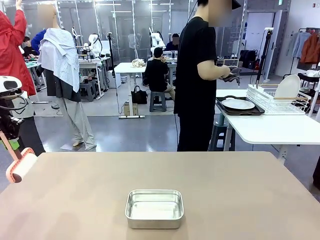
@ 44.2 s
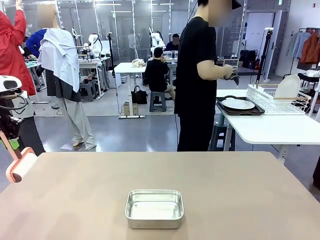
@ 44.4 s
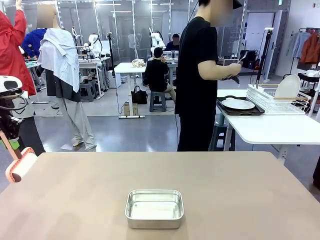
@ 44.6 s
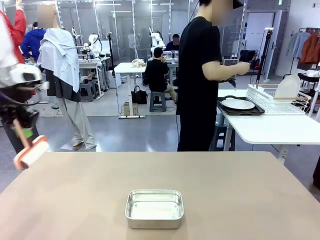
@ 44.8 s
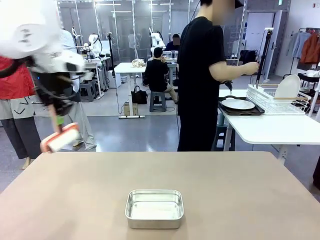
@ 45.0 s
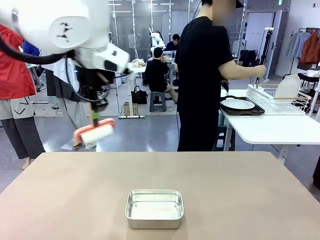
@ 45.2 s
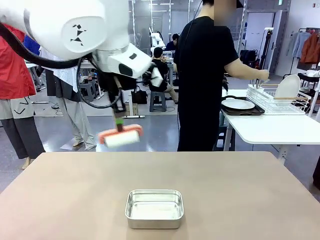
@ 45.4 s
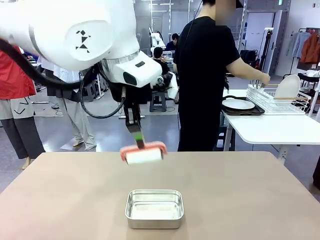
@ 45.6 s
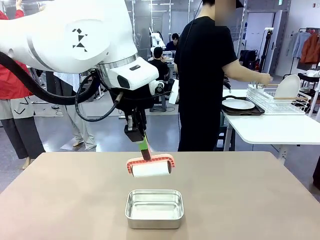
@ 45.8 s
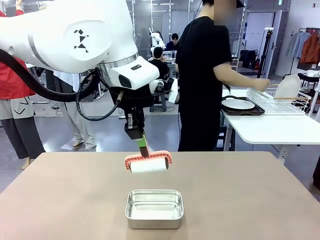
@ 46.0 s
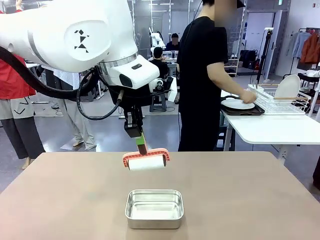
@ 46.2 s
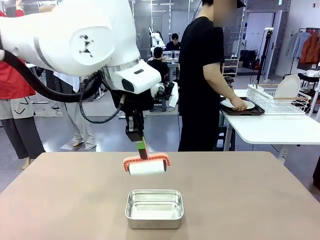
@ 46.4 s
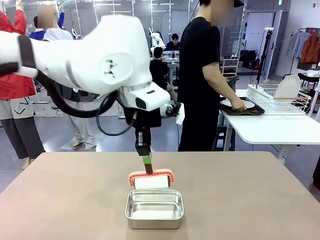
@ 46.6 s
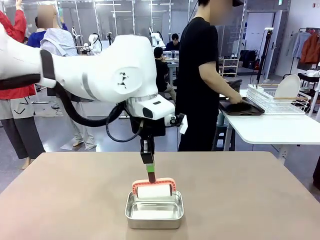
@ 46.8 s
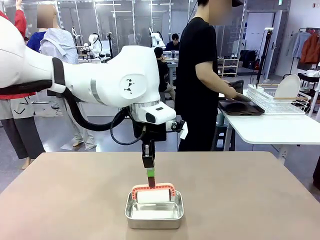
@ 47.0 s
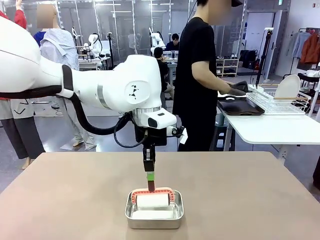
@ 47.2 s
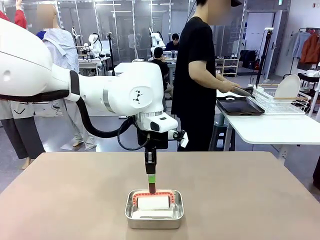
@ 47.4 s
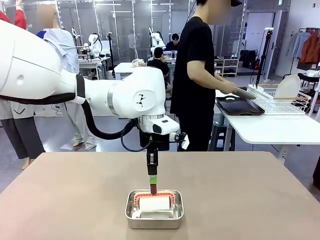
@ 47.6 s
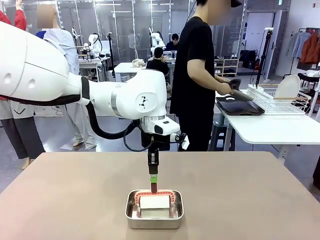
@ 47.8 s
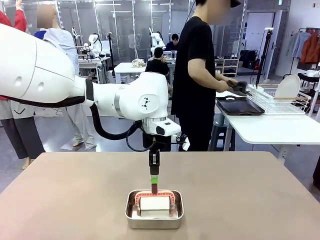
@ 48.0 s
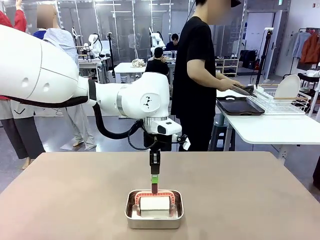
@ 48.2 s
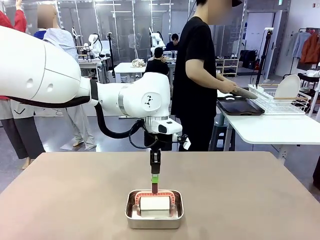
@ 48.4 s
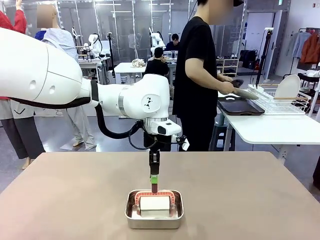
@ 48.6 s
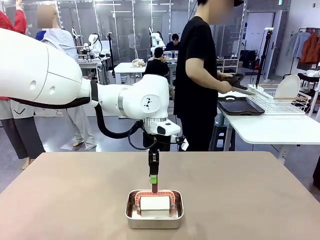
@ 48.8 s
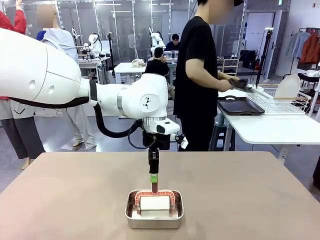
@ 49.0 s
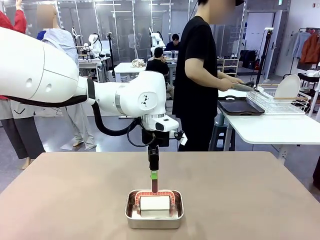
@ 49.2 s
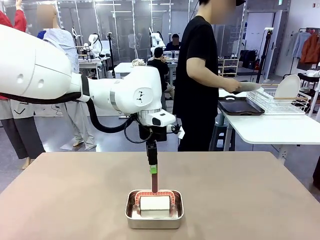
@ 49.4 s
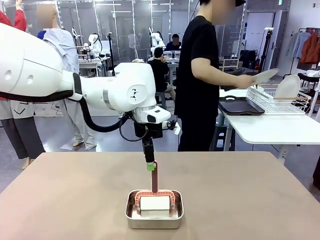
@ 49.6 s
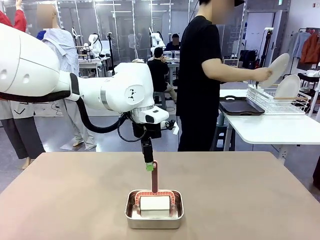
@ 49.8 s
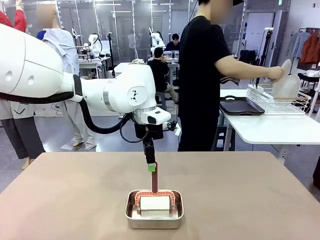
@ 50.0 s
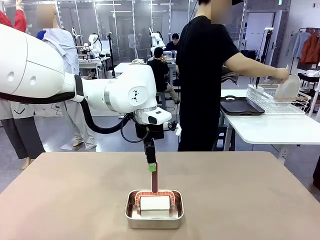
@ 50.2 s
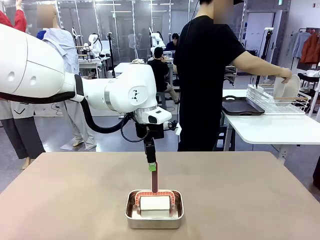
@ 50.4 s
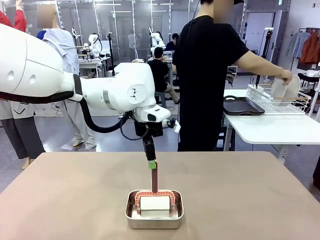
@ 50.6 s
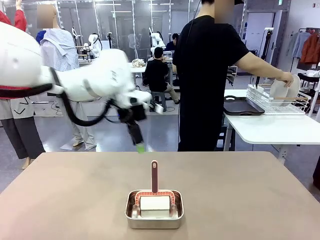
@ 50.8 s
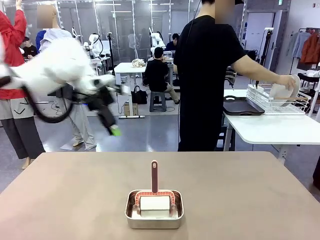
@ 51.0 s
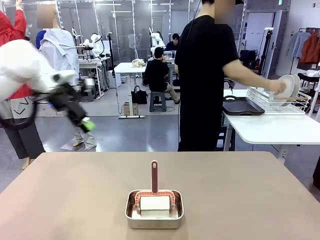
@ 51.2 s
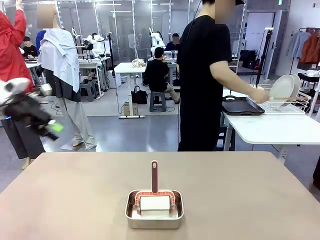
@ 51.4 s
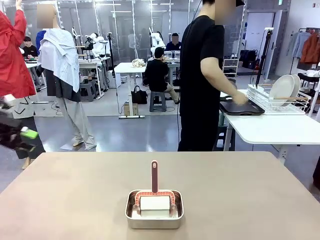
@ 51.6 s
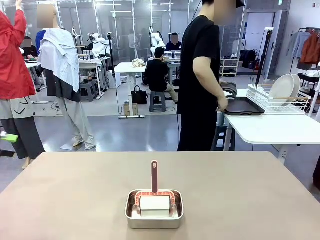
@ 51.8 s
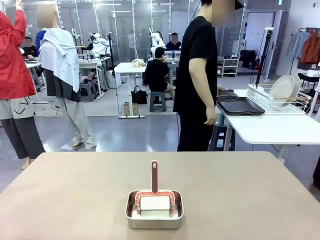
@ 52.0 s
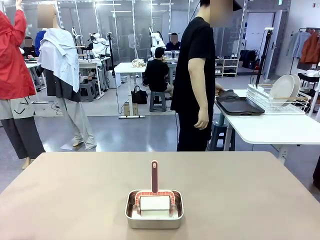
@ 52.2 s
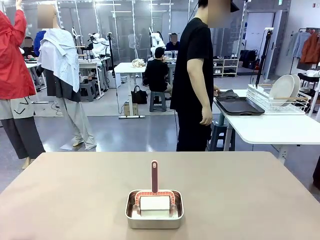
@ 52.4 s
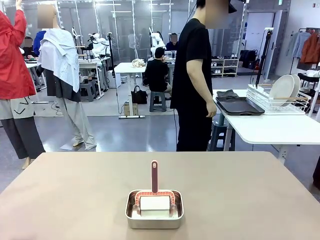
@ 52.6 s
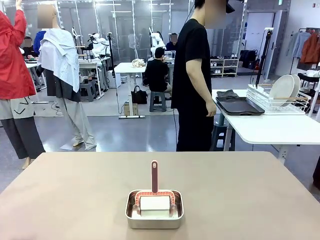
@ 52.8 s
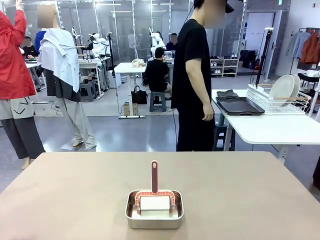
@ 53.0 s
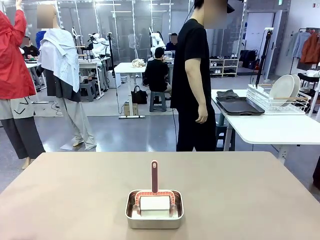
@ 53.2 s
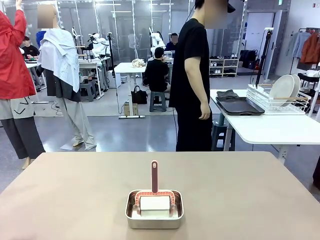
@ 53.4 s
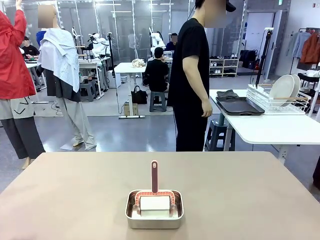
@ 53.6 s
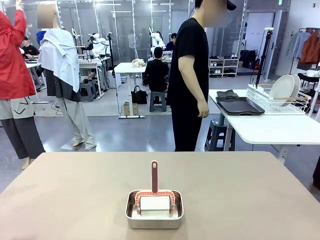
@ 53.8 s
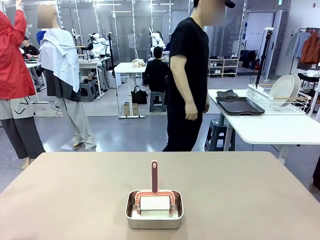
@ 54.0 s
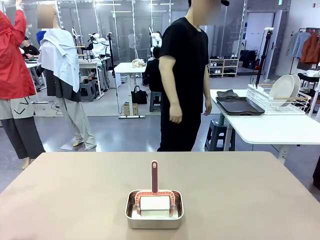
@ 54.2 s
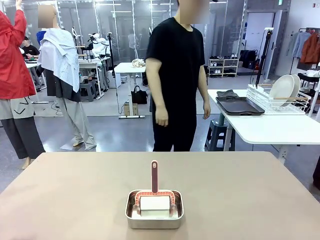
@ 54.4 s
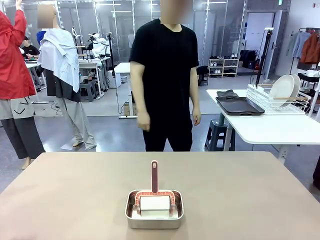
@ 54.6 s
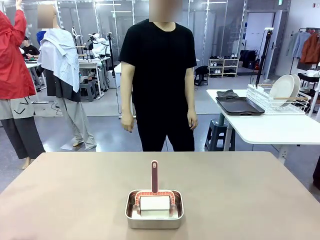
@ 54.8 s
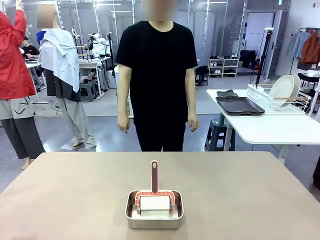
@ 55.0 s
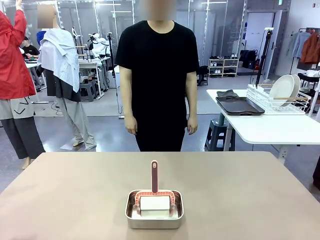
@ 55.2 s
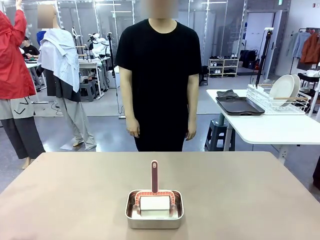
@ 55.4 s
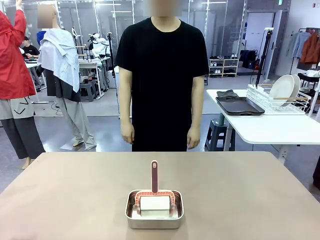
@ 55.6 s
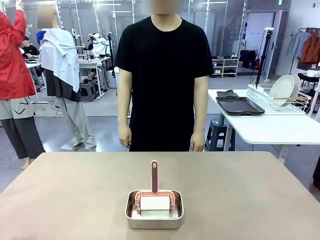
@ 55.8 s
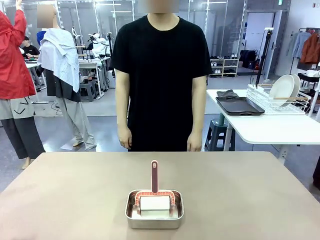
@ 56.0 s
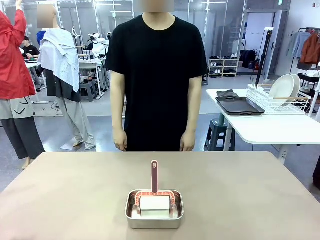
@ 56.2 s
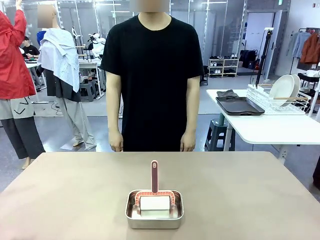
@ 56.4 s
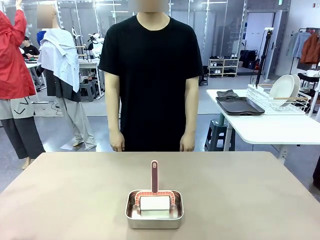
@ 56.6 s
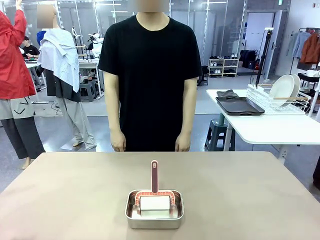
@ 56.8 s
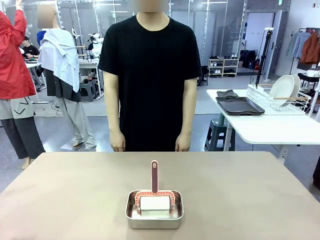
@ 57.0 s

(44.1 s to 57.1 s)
Robot: Place the Lint Roller back on top of the Airtight Container.
Person: Use the Towel with hook to wipe the Plastic Matte Plate , Fork , and Knife and place into the Dish drying rack.

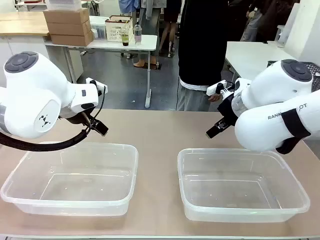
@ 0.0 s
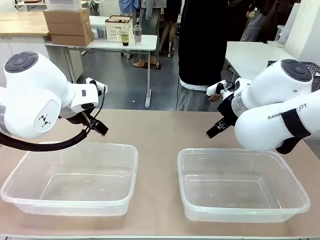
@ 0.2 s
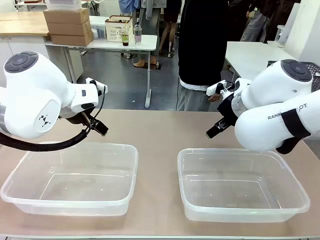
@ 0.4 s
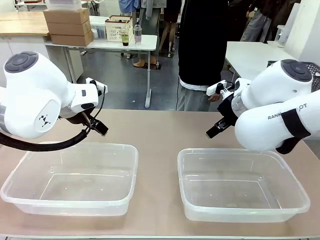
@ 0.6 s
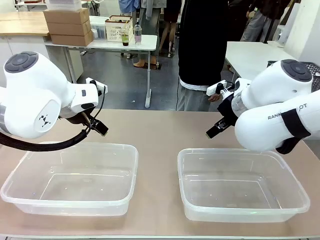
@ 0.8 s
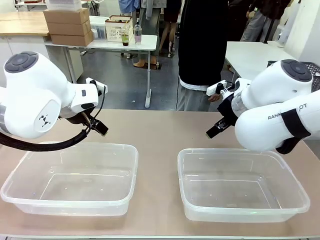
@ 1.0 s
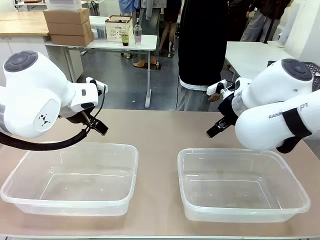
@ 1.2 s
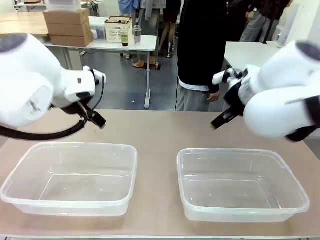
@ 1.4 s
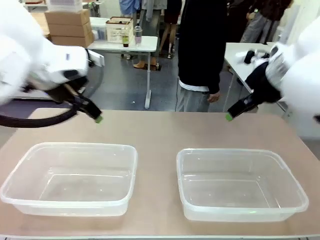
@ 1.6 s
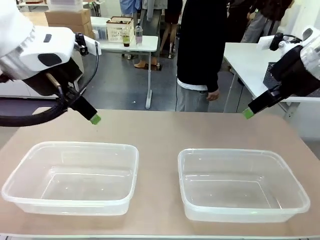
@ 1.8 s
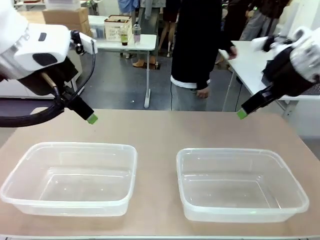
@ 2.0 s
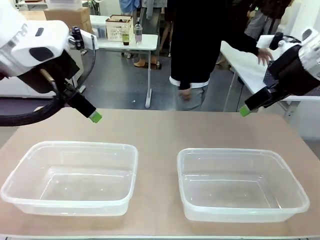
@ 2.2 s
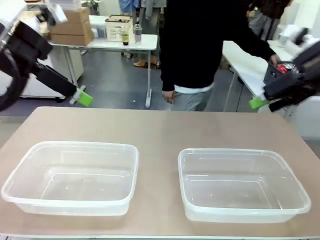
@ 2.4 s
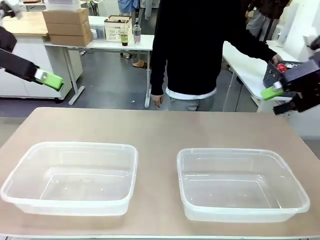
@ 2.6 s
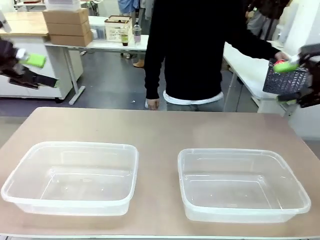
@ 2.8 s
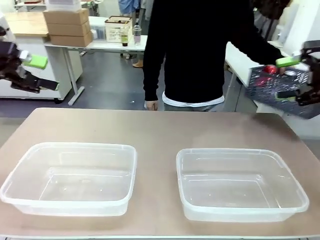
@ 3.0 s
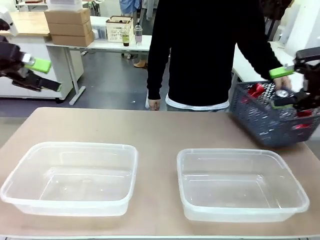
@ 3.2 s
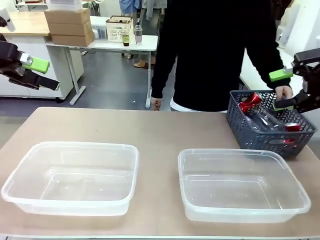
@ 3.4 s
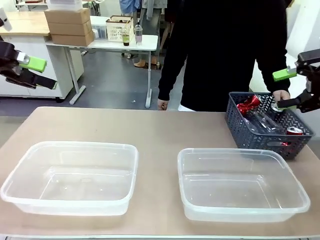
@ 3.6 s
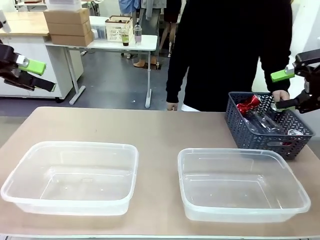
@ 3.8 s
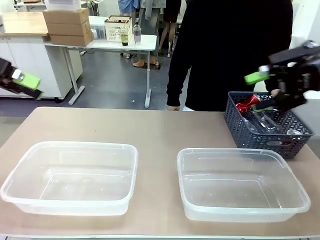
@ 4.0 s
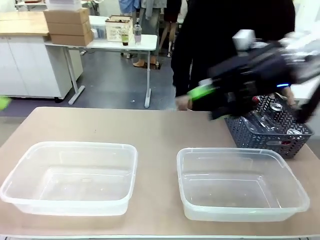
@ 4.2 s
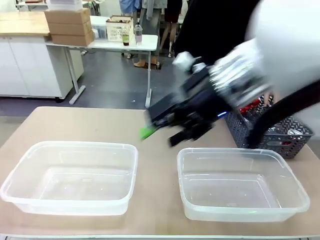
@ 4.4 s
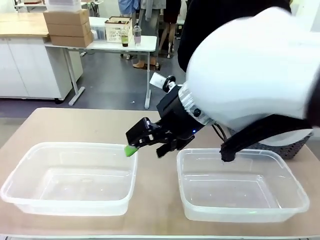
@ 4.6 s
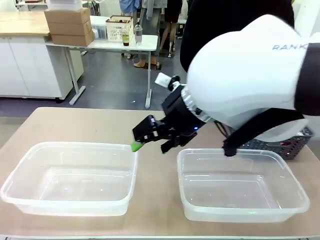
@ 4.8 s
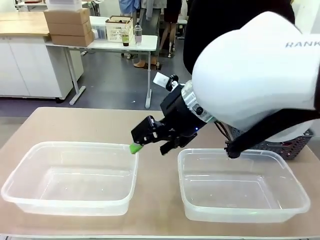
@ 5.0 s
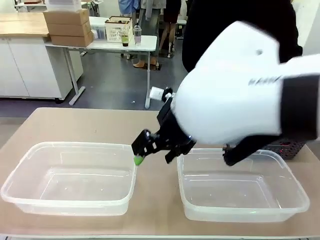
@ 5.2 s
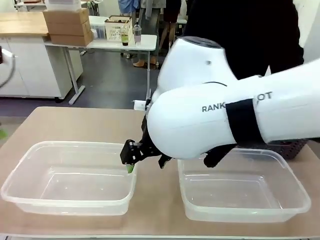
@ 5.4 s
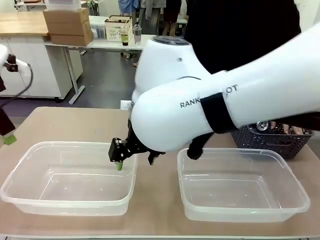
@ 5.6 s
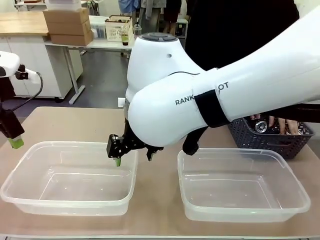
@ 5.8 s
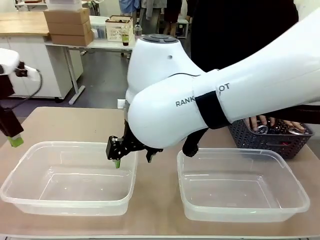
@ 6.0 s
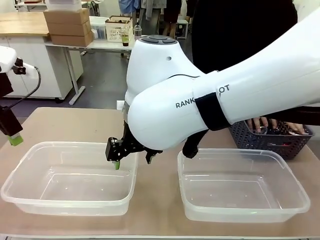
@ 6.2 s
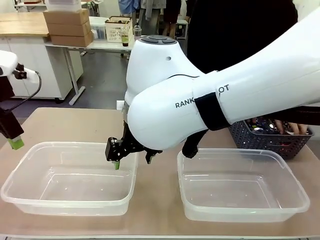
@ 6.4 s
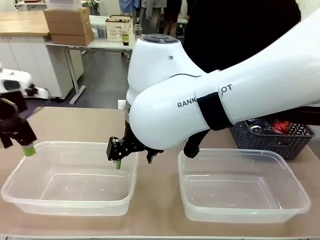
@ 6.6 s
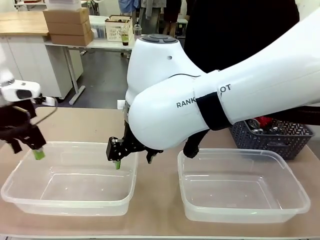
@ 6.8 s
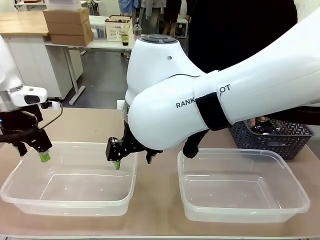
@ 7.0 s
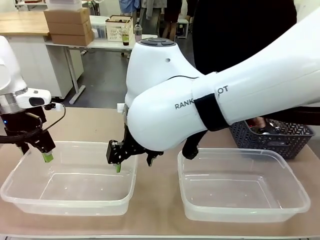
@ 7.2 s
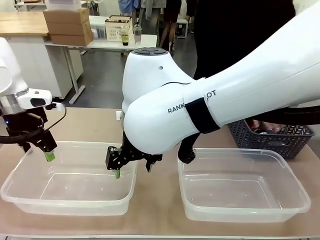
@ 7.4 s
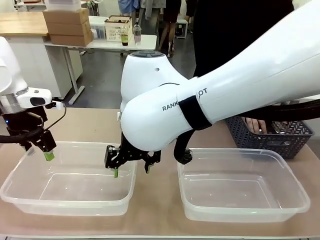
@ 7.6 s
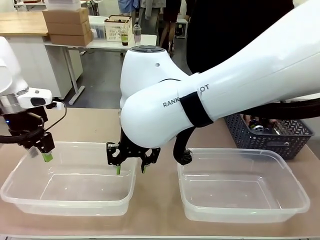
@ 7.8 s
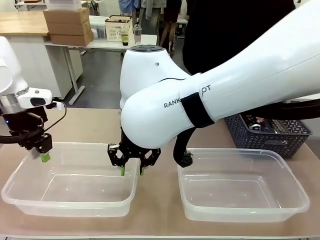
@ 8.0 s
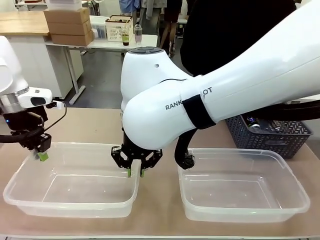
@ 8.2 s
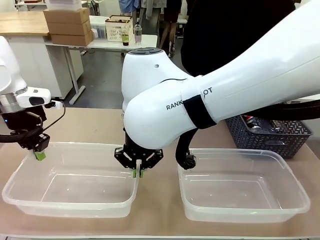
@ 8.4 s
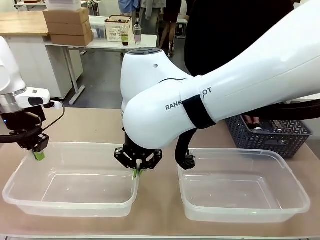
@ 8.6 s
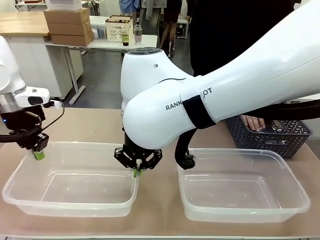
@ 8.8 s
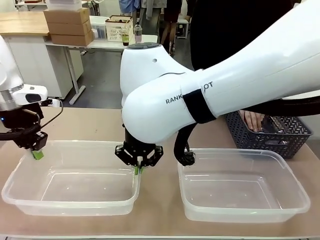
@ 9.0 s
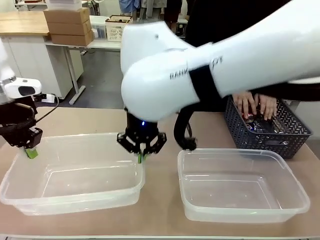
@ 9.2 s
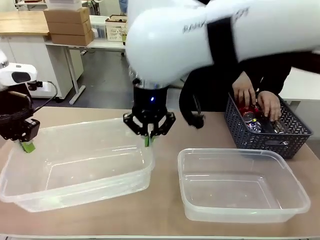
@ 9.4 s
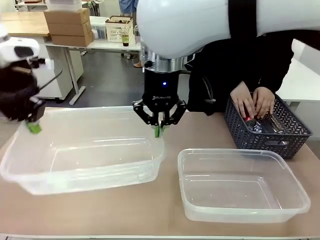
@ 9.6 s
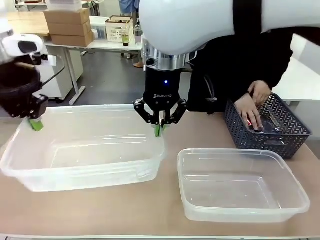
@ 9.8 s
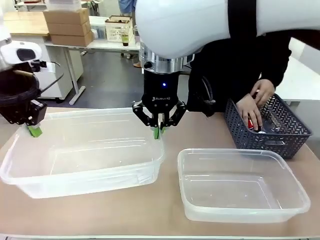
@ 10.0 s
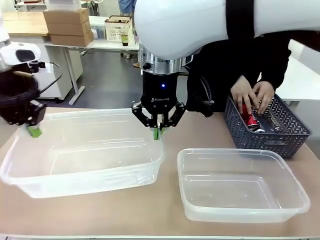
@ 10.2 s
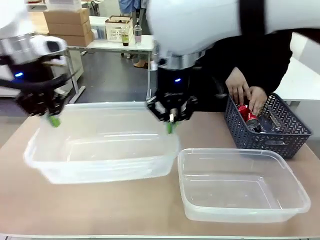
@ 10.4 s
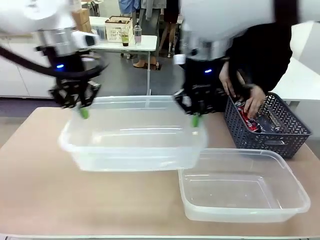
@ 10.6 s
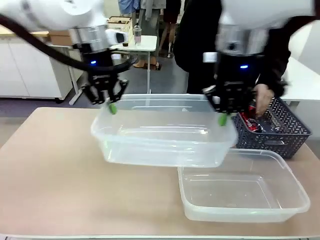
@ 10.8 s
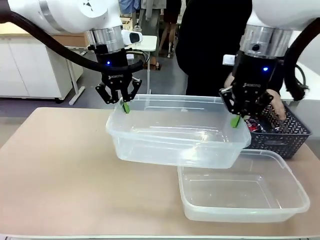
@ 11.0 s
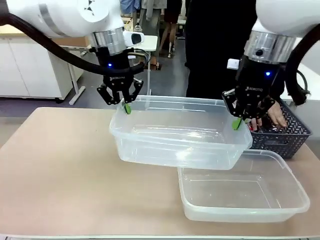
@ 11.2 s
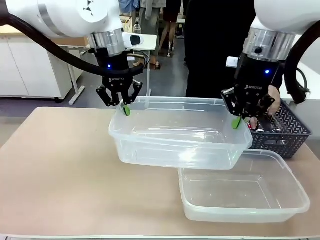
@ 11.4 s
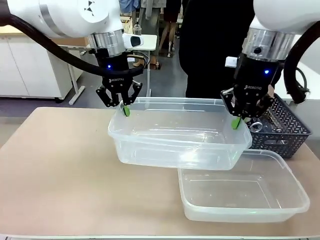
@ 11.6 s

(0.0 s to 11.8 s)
Robot: Pick up the Organizing box on the left side of the table and lift it.
Person: Pick up the storage basket and place it on the left side of the robot table. Pick up can-shaped waste one by one and place it into the organizing box lifted by the robot.
